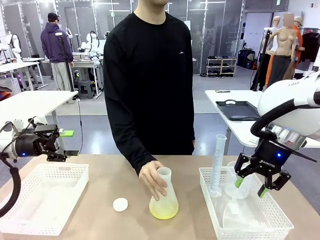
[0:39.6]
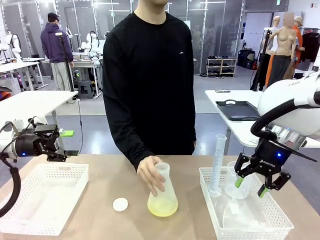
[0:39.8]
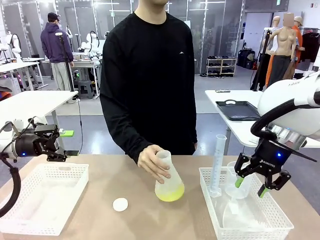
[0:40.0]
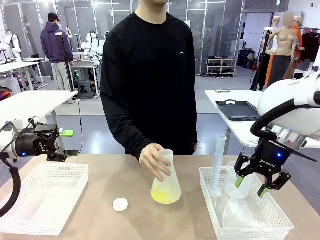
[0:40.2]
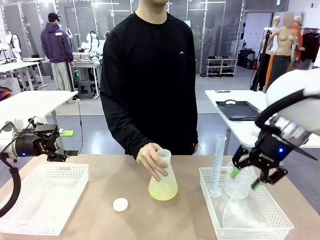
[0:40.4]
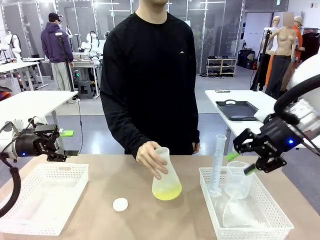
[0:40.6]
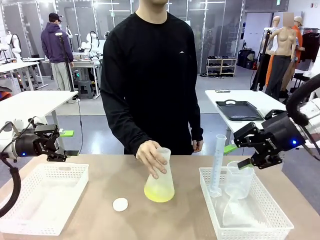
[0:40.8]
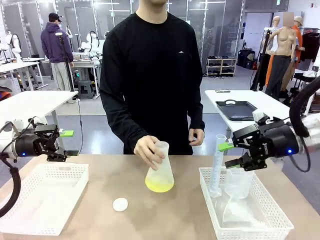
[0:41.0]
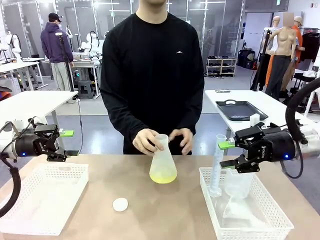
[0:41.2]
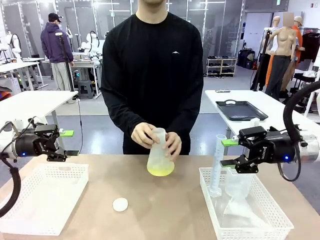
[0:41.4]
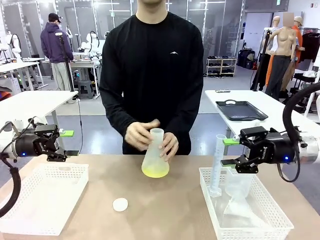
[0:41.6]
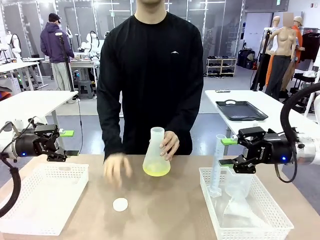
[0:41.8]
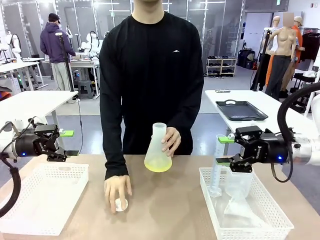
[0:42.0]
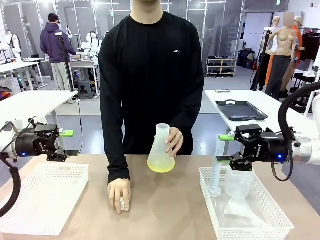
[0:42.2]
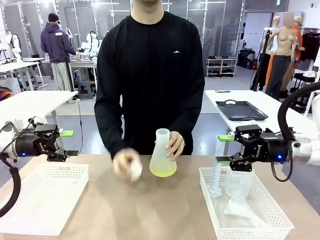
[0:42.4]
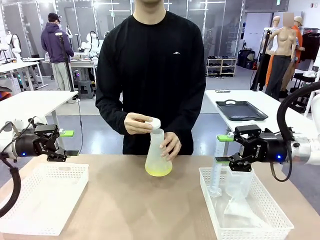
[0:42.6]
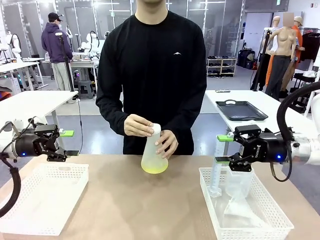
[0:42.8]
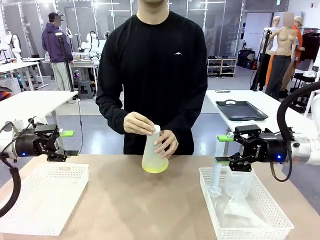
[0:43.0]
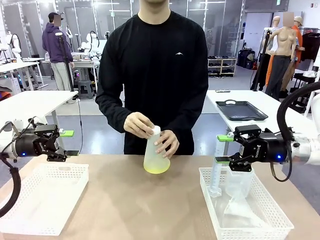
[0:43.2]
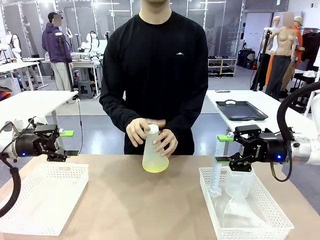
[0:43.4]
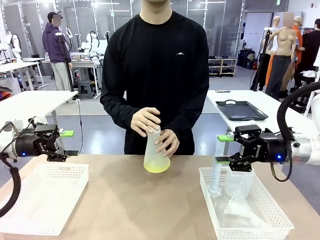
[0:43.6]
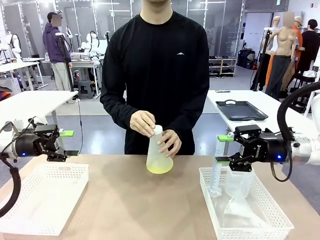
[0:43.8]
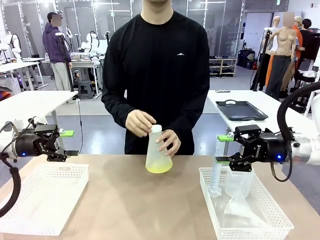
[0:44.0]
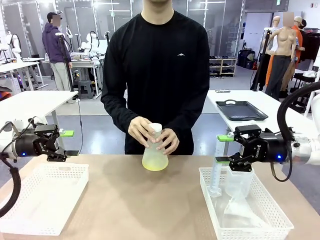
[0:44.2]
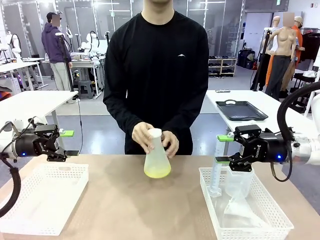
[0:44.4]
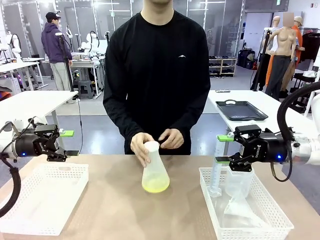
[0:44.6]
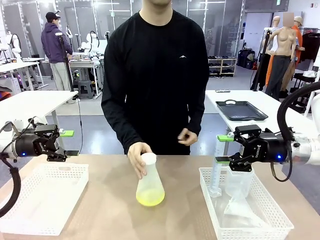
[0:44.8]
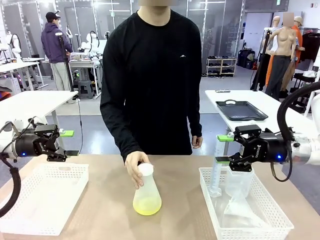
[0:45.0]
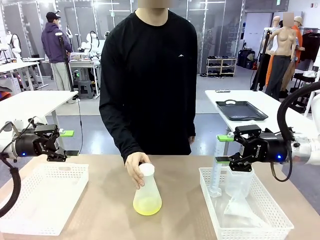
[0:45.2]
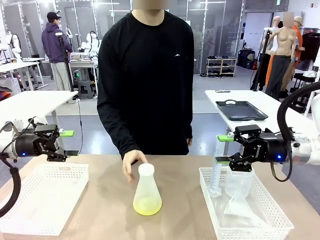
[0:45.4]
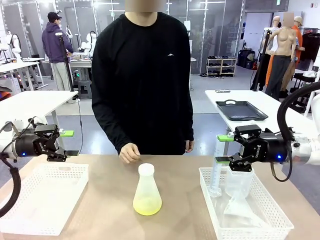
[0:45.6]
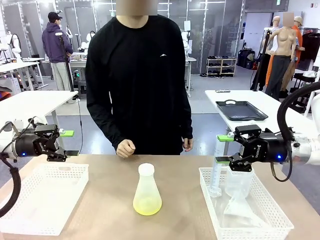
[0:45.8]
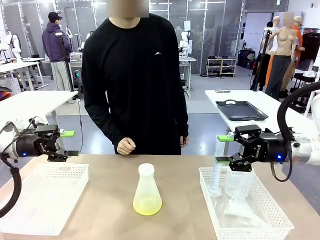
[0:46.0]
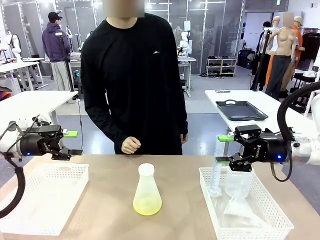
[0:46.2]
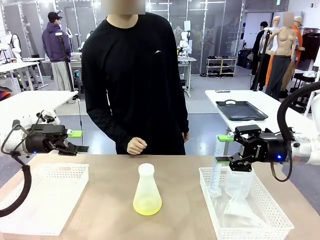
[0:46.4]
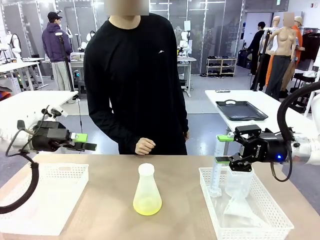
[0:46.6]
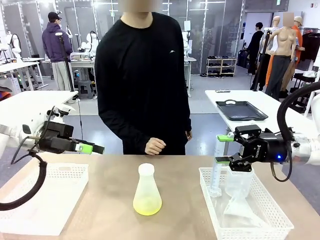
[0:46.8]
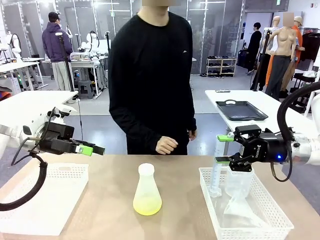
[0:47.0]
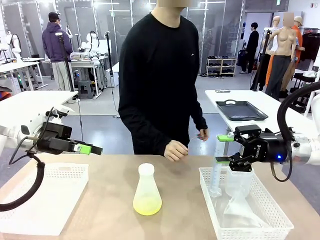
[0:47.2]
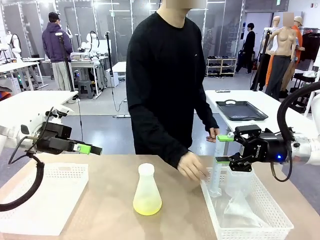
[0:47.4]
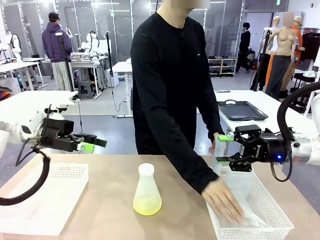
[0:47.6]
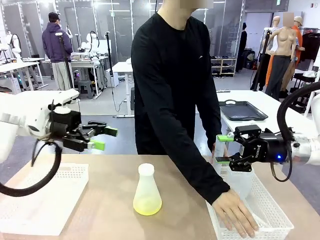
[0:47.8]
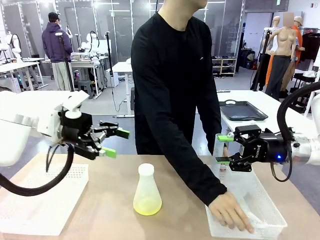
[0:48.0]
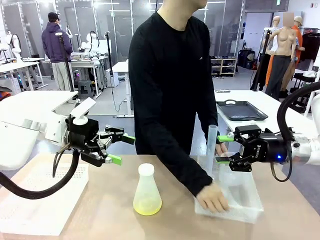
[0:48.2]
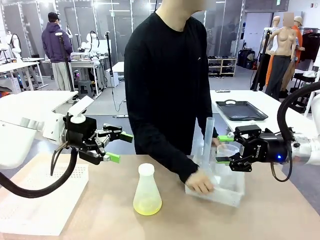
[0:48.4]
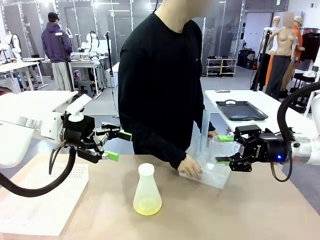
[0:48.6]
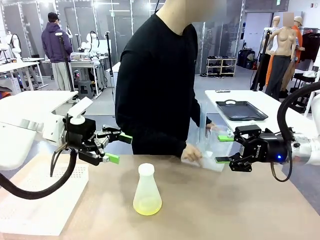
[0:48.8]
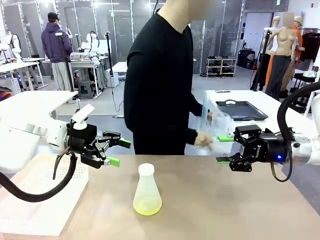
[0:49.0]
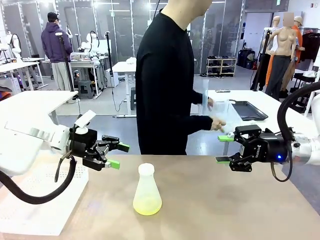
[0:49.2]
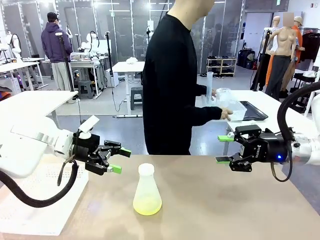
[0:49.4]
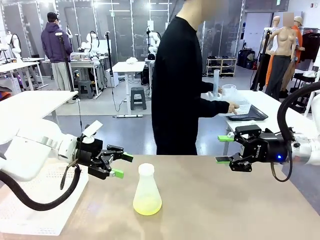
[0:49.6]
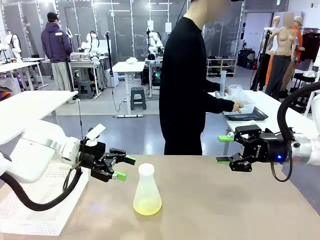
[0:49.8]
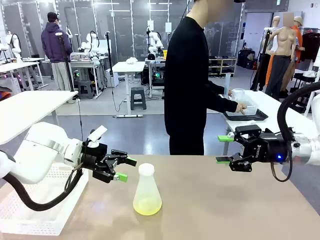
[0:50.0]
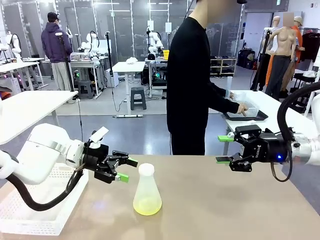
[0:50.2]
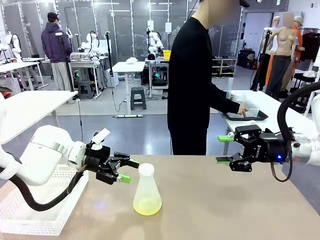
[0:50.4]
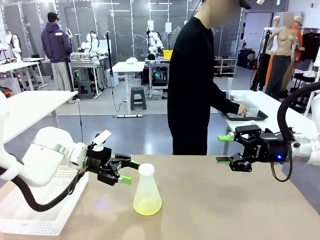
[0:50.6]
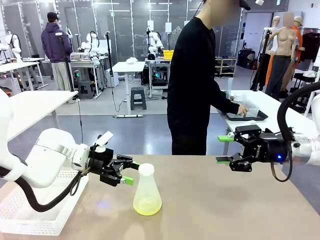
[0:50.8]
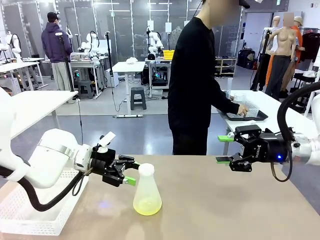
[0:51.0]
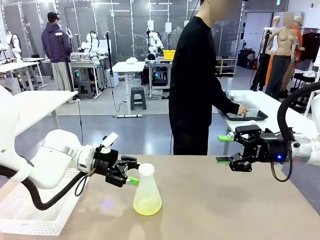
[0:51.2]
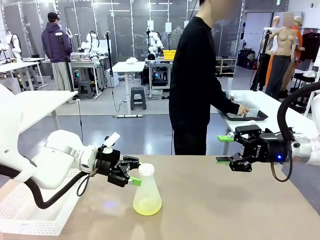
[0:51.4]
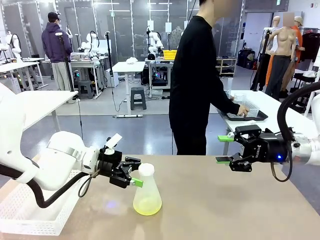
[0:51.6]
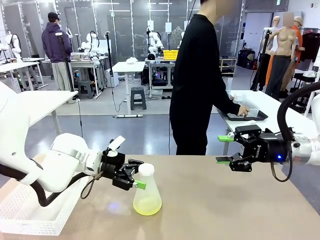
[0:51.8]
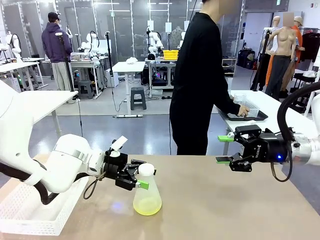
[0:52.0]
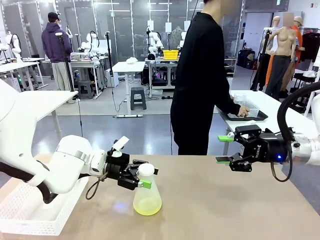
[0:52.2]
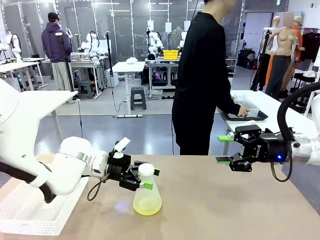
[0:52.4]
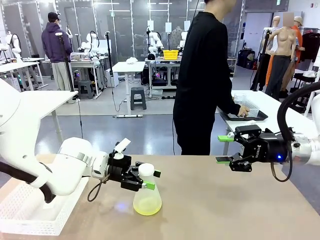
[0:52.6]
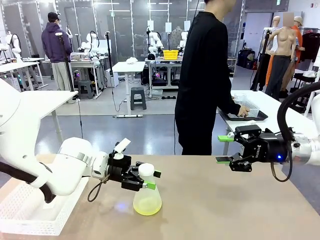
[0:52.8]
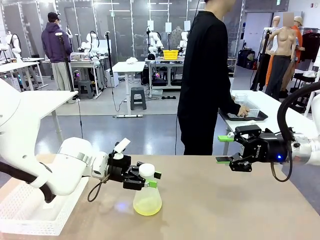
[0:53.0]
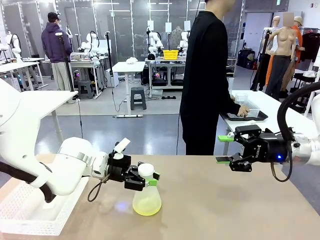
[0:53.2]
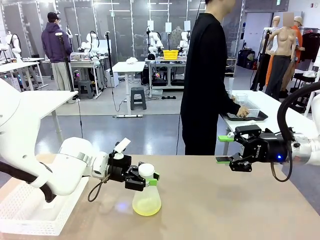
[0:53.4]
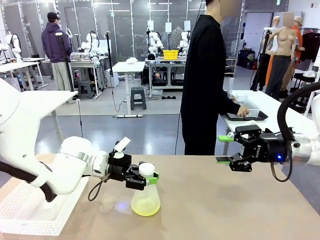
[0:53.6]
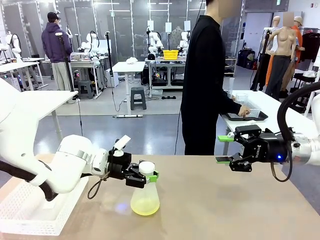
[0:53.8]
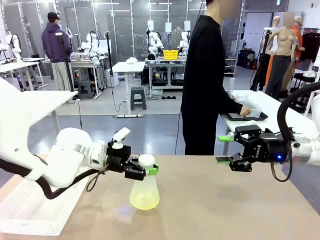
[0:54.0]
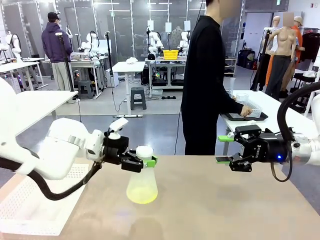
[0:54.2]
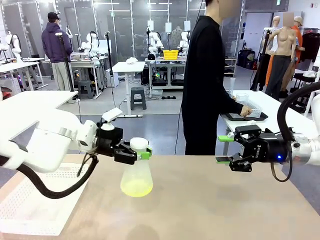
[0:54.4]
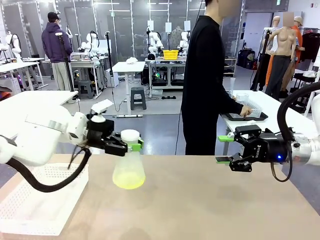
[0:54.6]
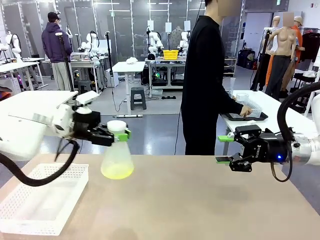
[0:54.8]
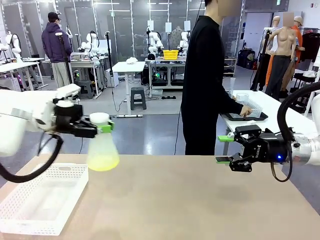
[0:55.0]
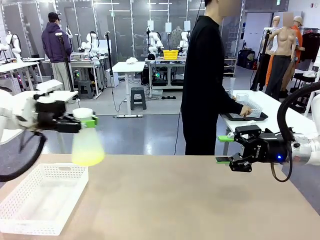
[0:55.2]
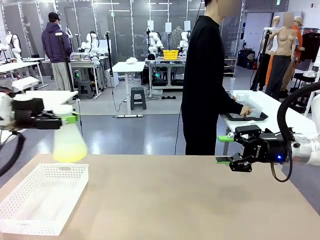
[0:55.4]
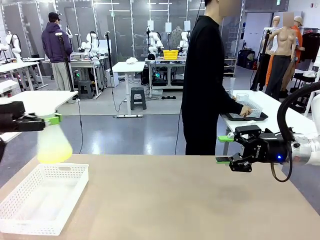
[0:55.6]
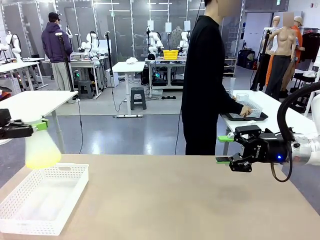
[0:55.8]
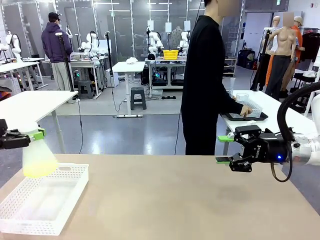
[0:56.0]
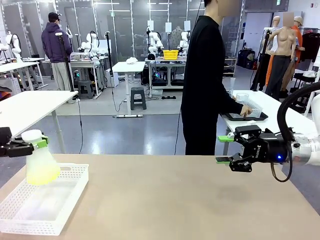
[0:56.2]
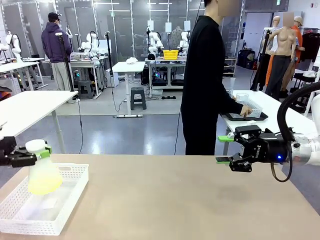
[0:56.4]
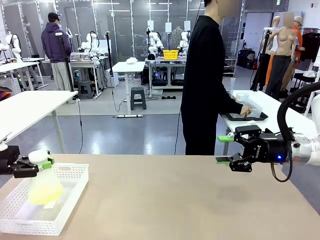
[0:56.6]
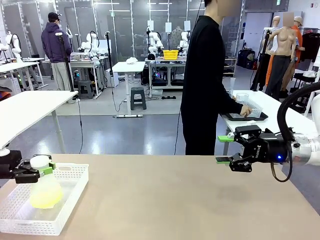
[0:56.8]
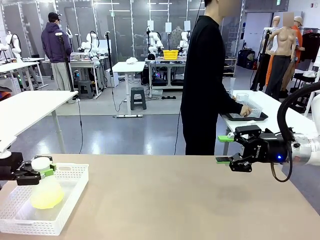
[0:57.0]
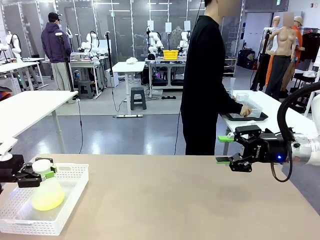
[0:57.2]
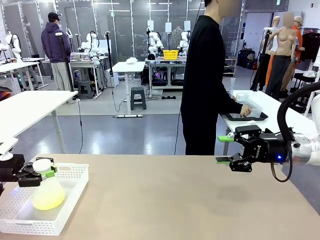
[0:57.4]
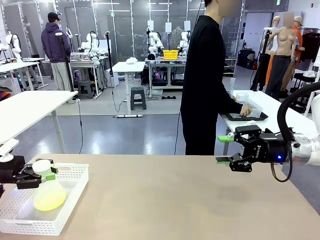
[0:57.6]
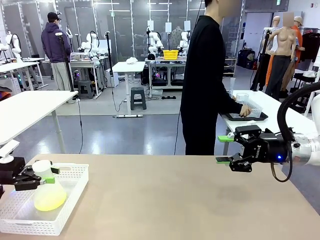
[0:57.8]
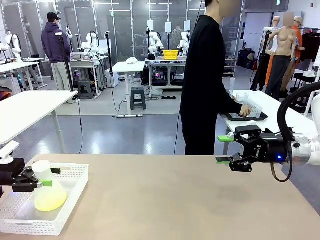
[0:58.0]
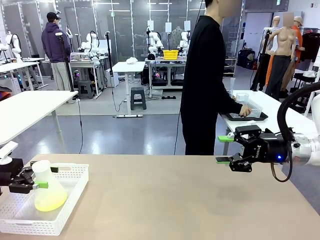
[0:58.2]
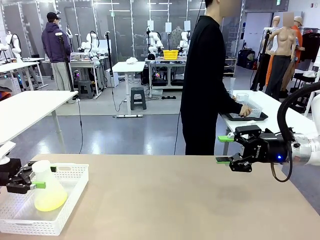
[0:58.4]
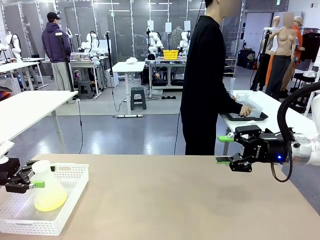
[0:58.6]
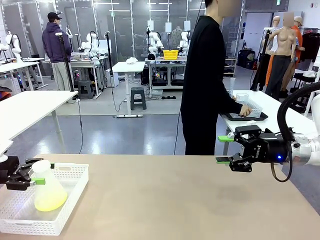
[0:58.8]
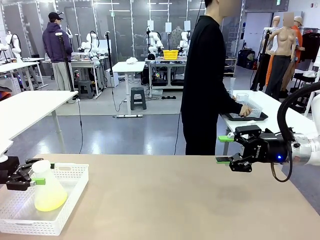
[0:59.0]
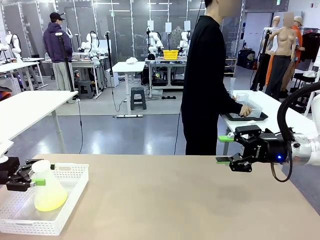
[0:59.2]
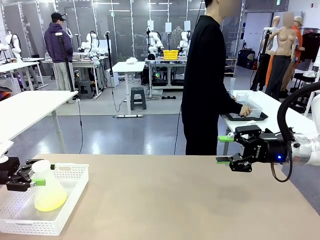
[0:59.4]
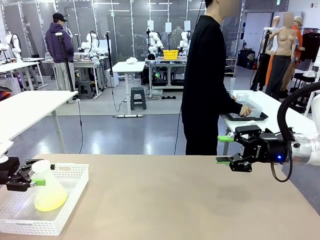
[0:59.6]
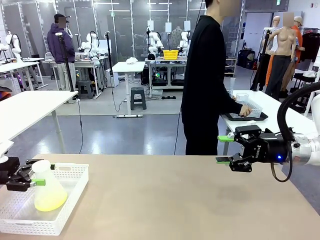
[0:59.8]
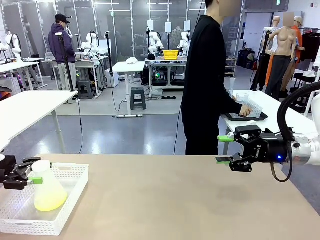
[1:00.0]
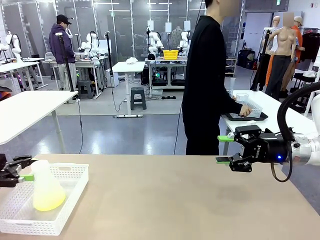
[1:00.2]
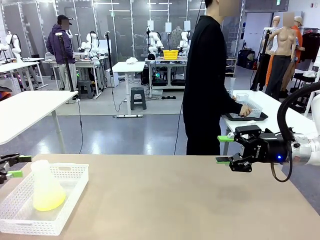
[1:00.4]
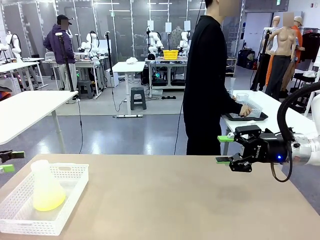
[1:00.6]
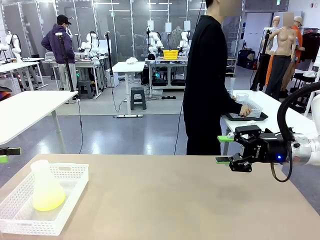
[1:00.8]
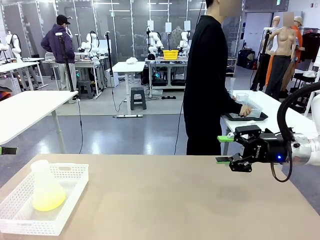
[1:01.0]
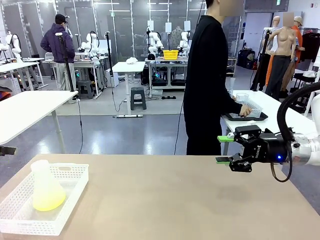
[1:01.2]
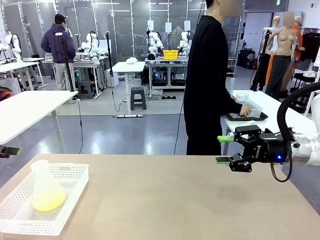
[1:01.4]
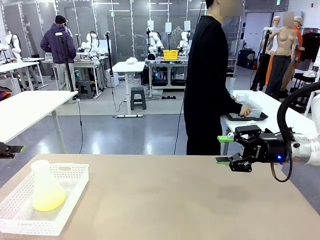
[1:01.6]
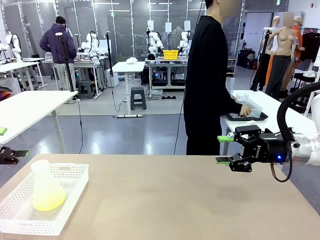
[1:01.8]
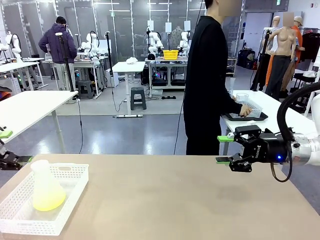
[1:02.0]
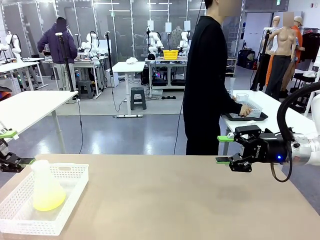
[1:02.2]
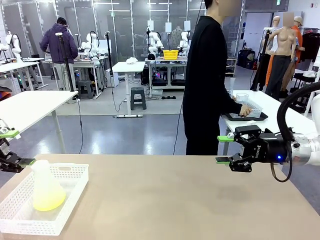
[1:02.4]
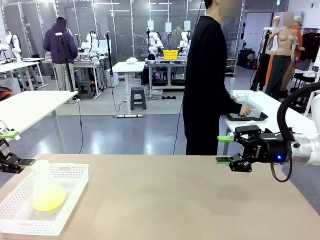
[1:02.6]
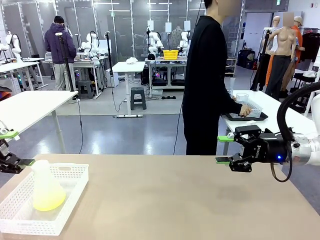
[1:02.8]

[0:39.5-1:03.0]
Task: Prepare the solutions needed for the experiment.
Robot: When the human places the Big flask in the center of the table, pick up the Big flask and place it in the left Organizing basket.
Person: Pick up the flask, gently shake it 2–3 times, place it in the middle of the robot table, and close the lid. Pick up the organizing basket on the left side of the robot table and place it on the left side of the human table.
